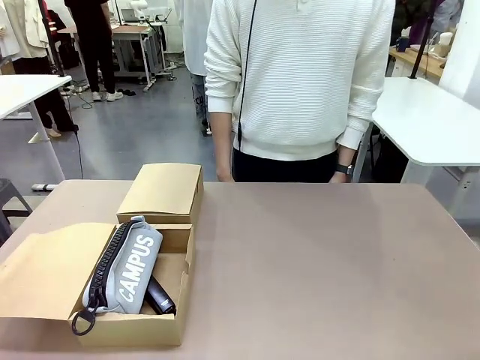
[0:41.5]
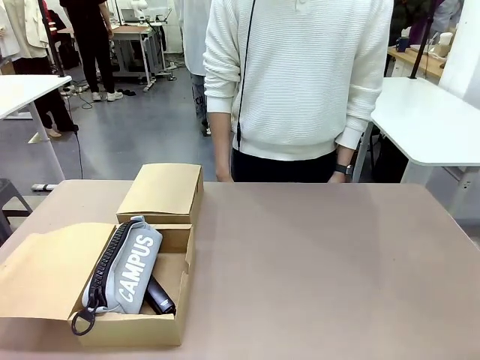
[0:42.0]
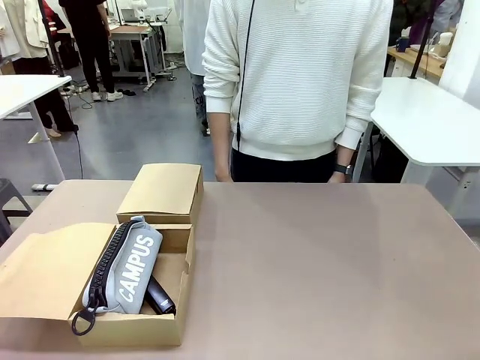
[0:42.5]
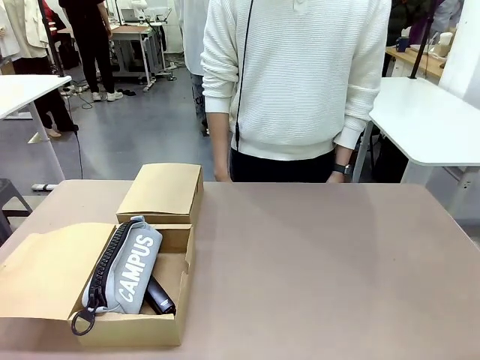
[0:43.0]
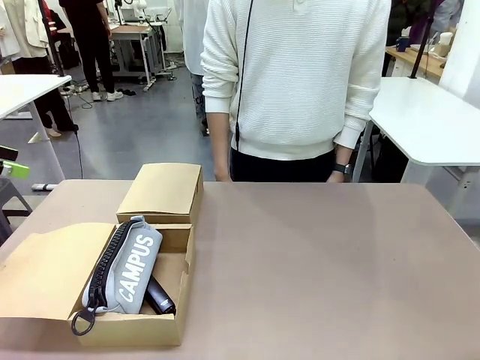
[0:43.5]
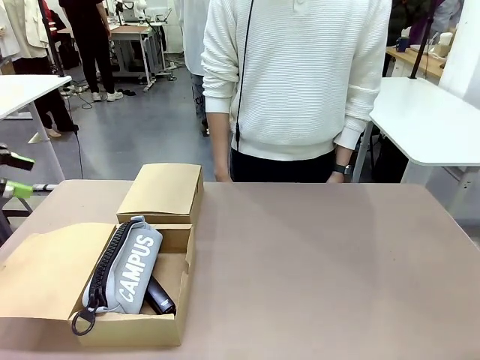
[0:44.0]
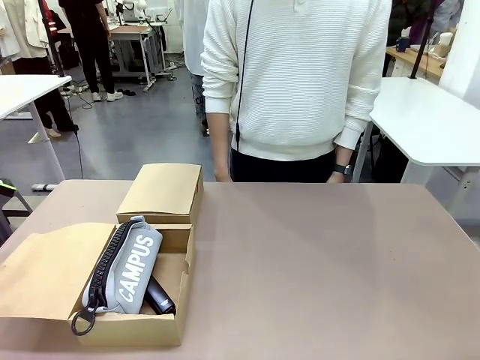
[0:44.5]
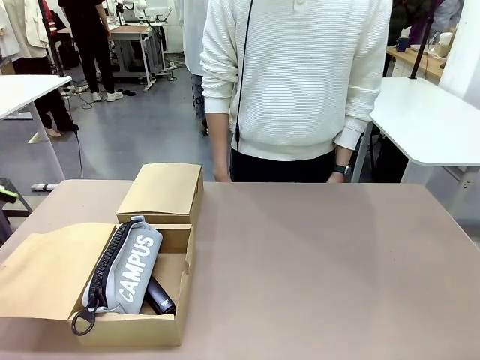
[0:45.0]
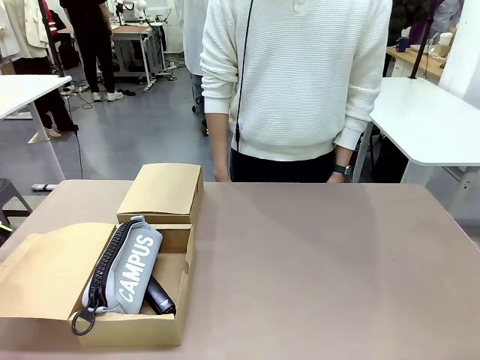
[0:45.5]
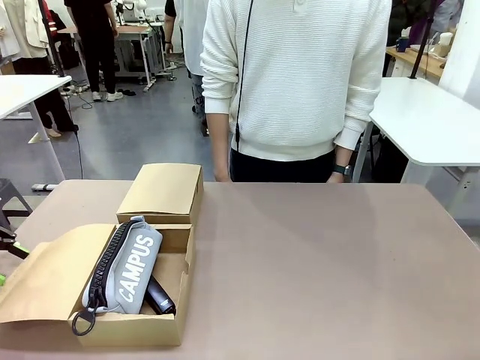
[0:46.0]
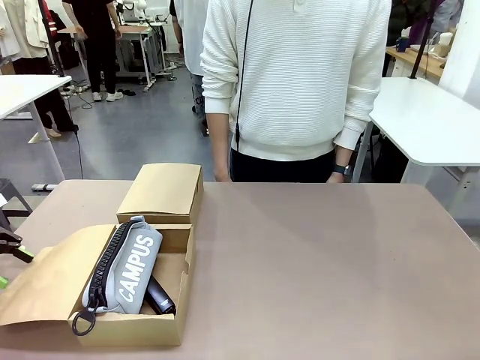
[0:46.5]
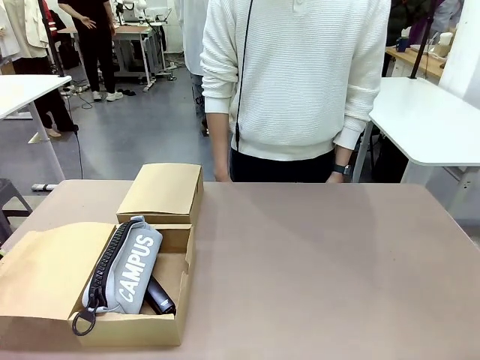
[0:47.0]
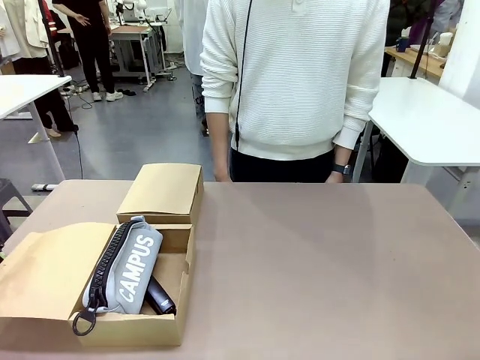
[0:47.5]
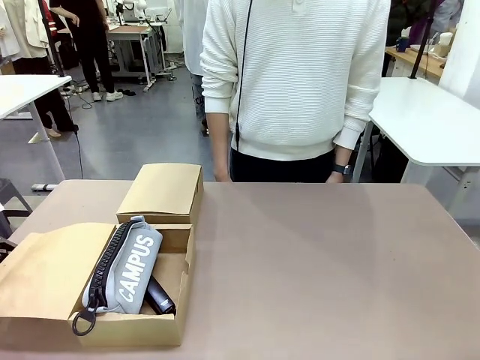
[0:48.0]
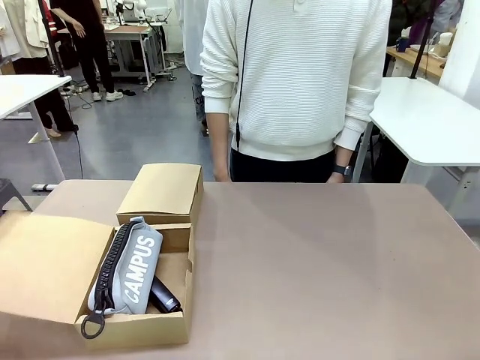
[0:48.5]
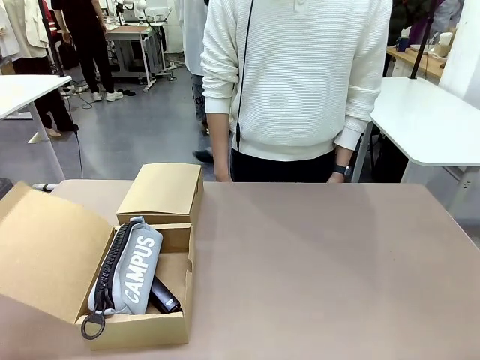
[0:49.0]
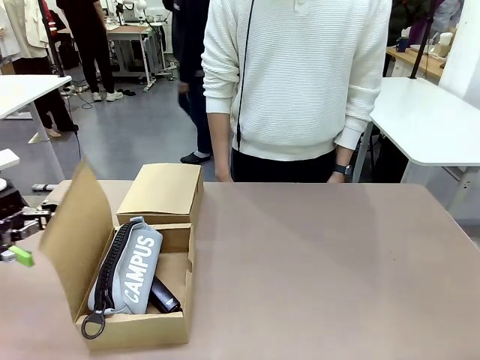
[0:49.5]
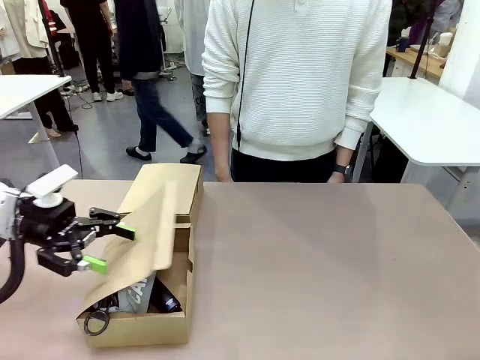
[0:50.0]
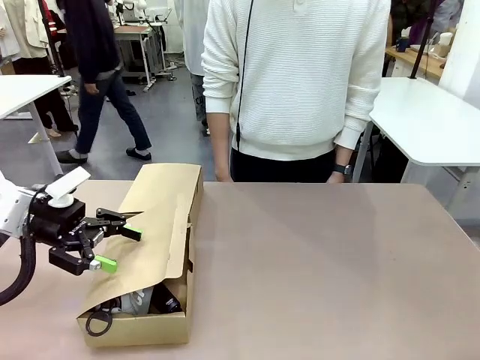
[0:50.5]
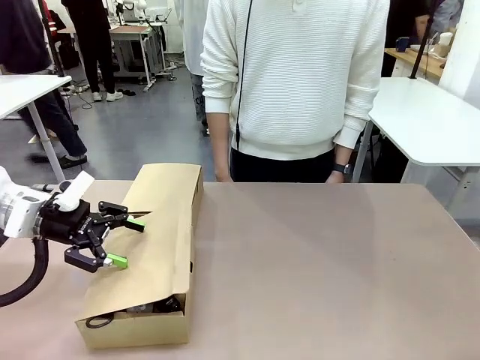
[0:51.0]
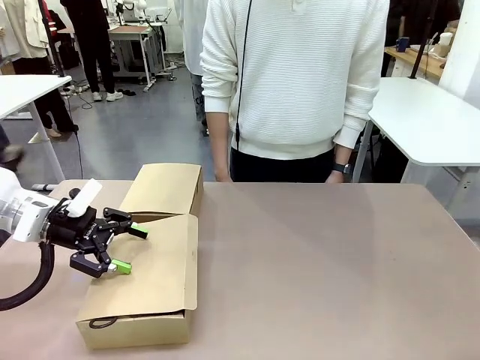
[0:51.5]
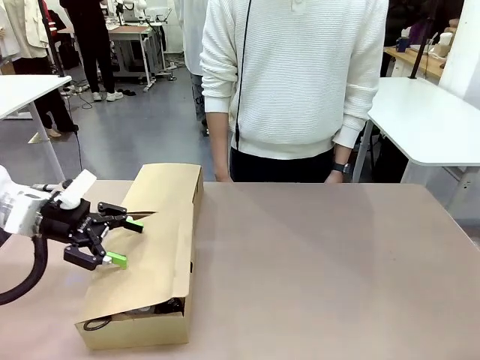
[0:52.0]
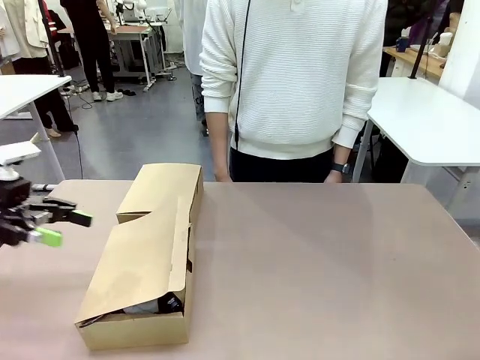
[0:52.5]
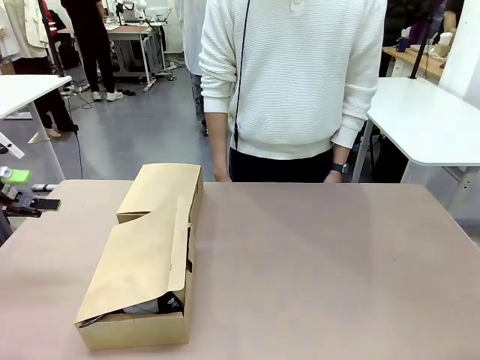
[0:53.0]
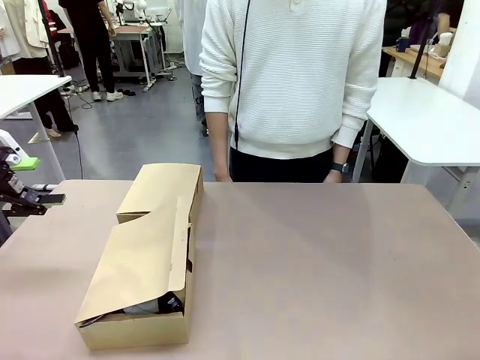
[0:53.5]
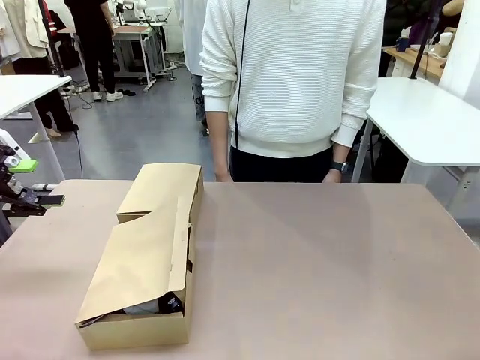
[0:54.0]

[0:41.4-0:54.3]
Task: Place items inside the box.
Robot: Close the lid of the Mailer Box closest to the robot.
Person: Close the lid of the box facing the person.

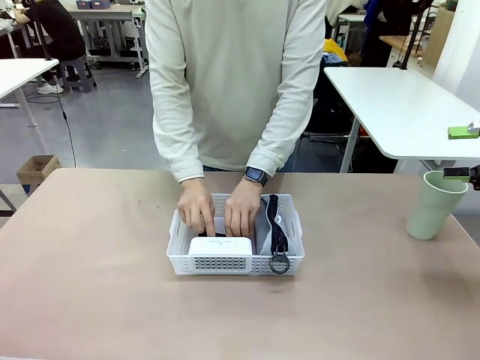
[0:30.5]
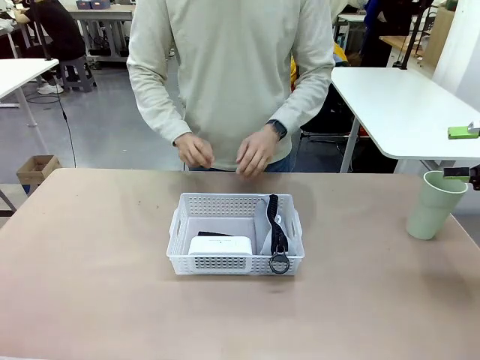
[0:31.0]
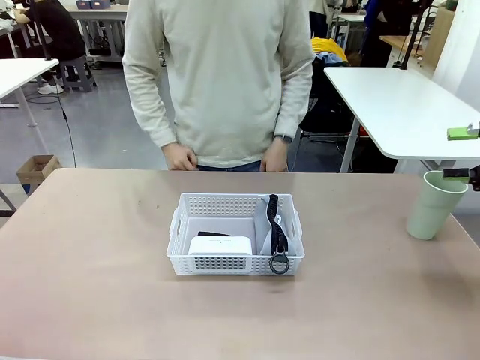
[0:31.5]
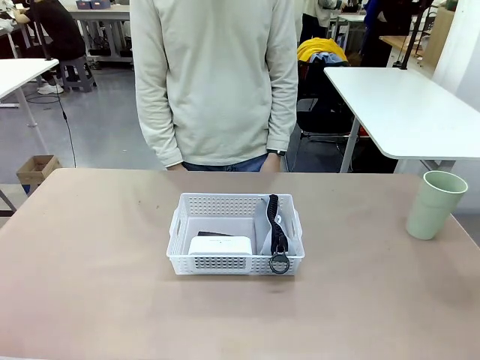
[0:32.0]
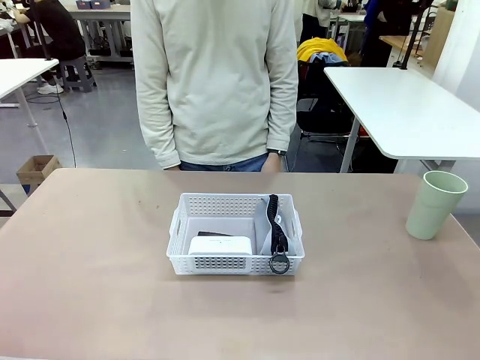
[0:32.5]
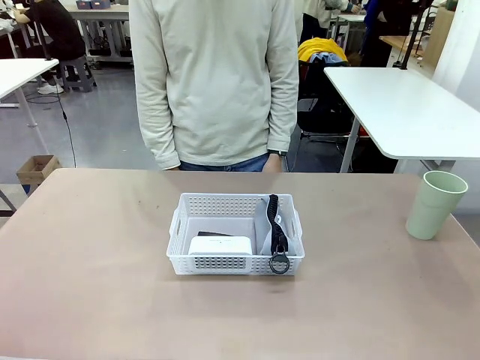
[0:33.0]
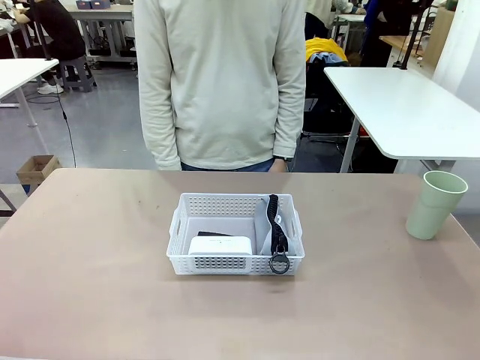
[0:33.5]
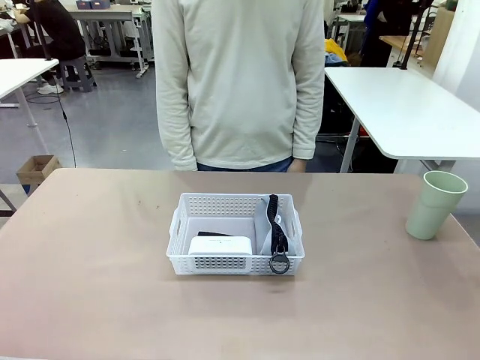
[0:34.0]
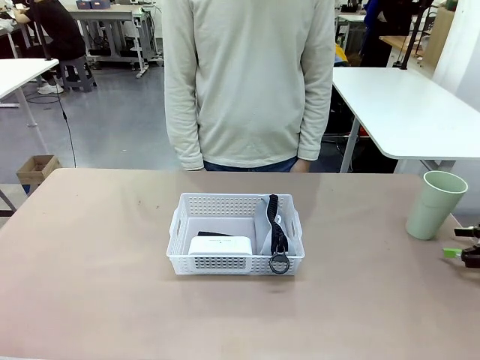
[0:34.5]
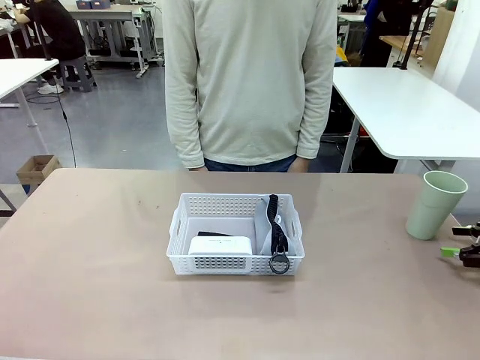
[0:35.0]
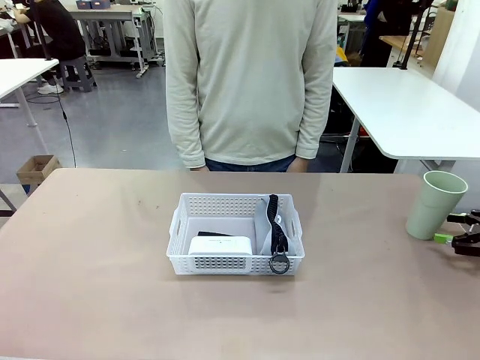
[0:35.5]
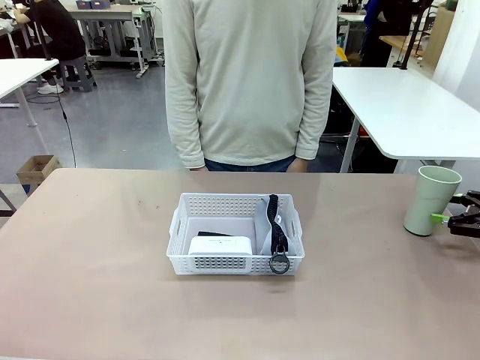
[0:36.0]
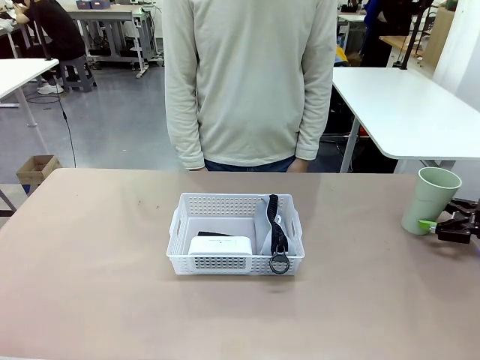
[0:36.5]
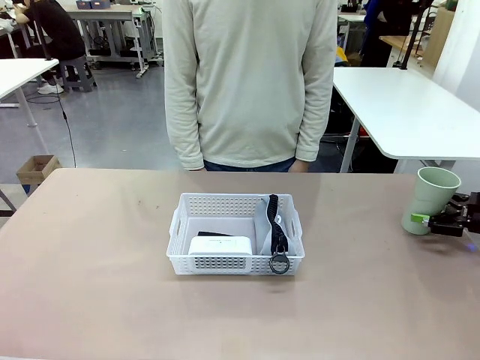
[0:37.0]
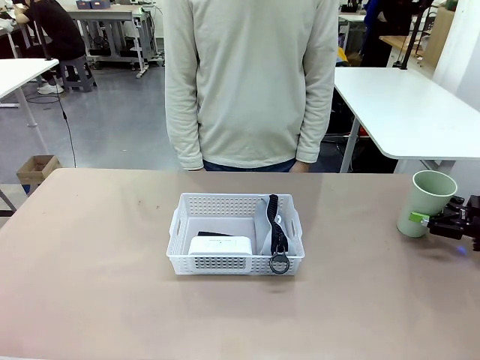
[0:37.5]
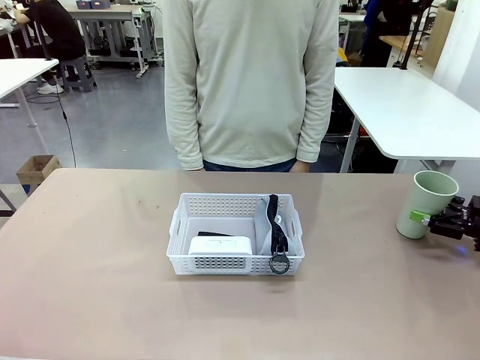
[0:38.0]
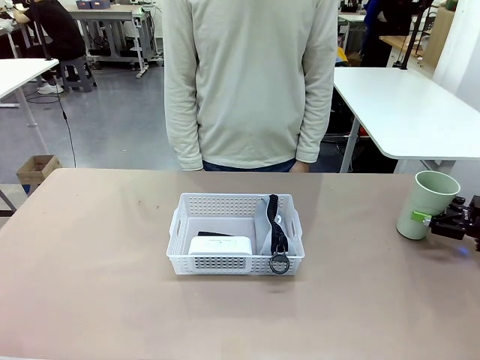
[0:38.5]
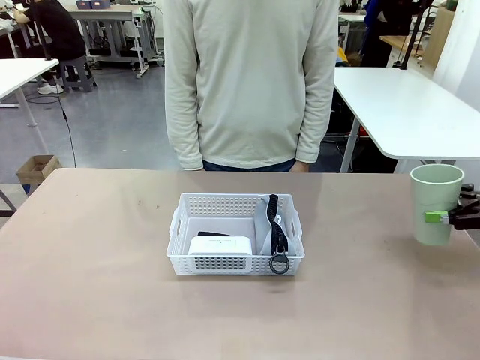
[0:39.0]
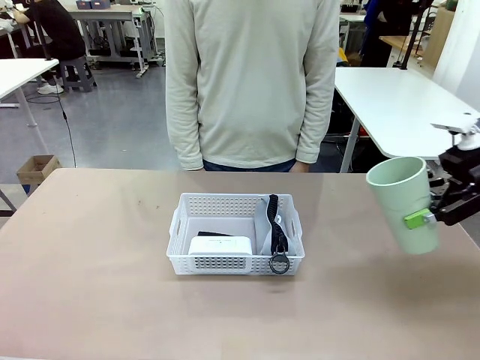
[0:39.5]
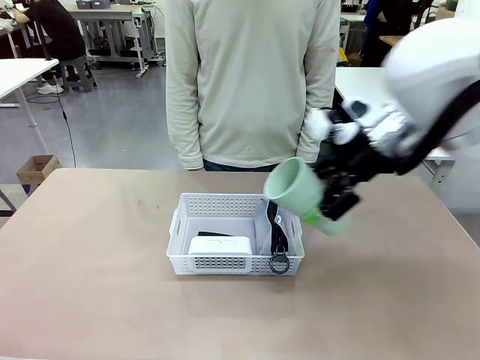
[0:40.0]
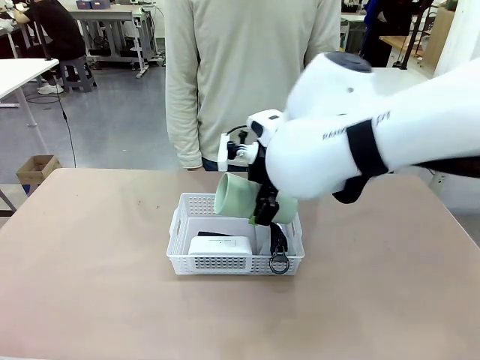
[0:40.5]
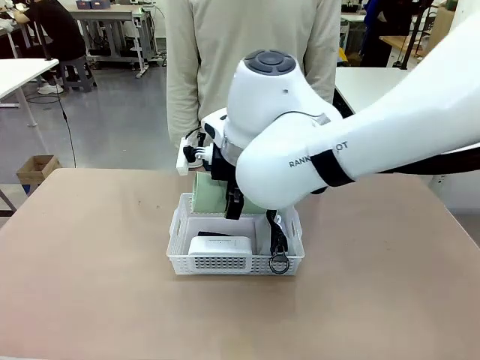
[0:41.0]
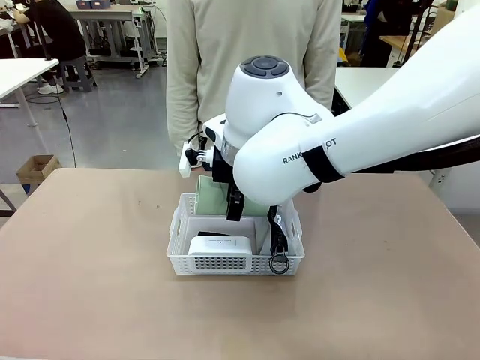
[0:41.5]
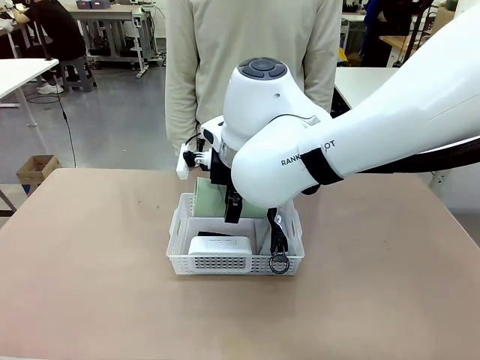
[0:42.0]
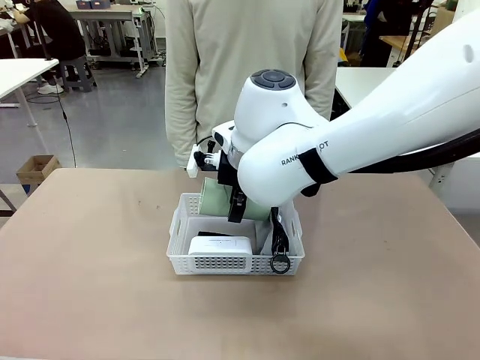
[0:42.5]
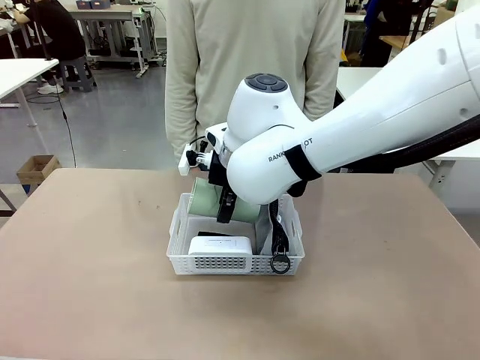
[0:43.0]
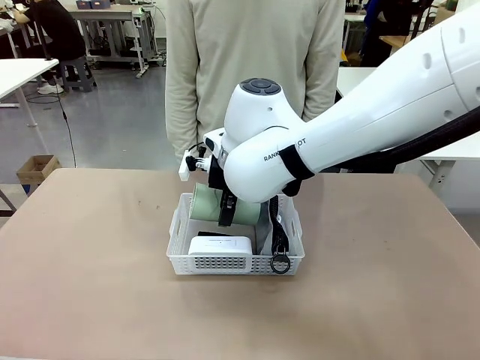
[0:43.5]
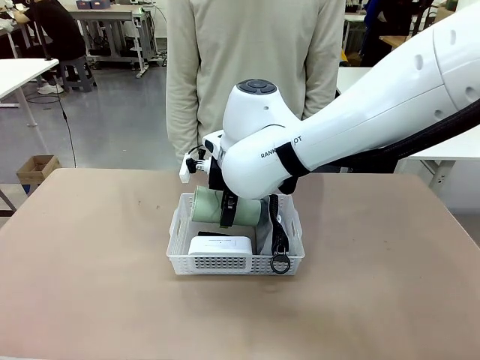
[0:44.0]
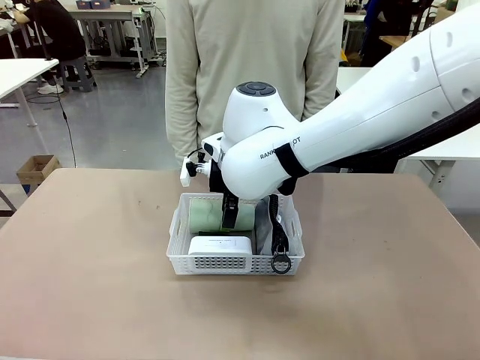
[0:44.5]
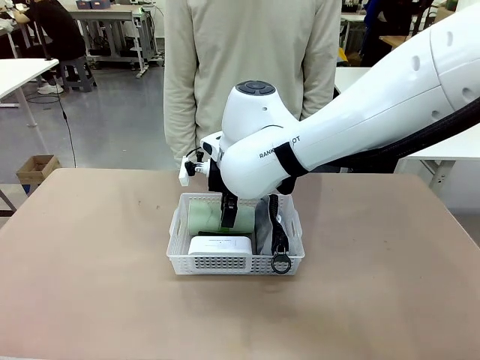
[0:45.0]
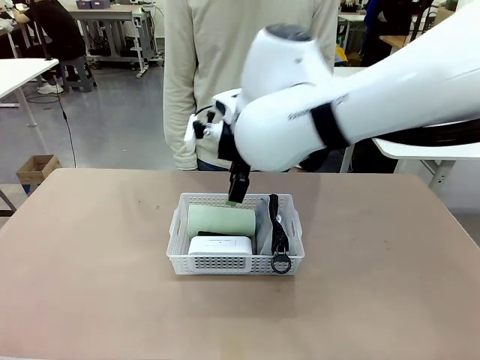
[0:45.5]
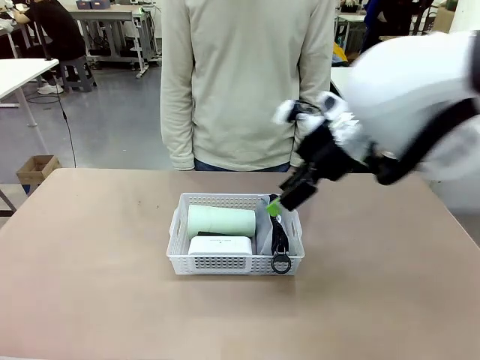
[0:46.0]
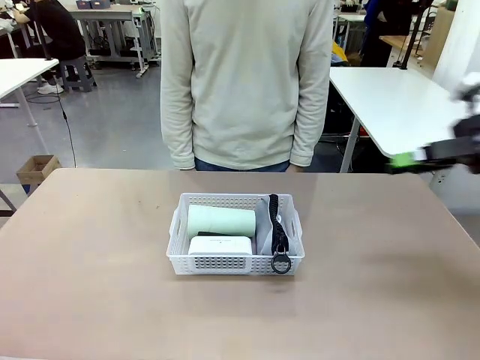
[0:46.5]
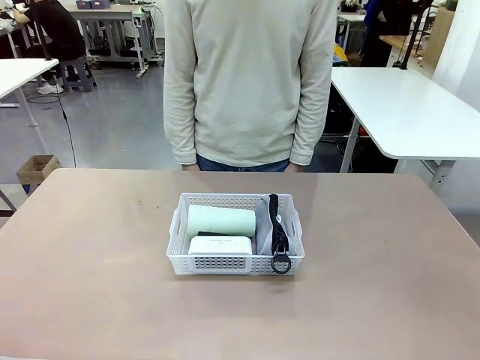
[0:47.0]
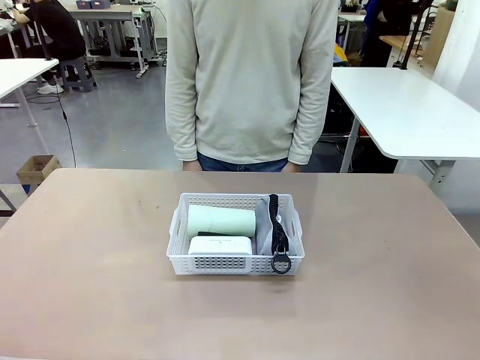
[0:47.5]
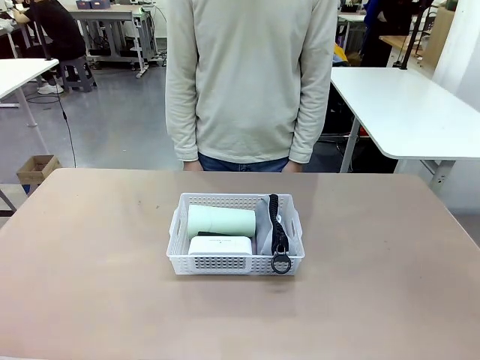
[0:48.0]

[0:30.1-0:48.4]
Task: Efficiently arrange items inside the basket to fit them all.
Robot: Pick up the Reusable plastic cup and place it inside the Organizing basket.
Person: Repositions the stapler.
